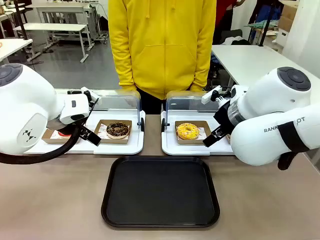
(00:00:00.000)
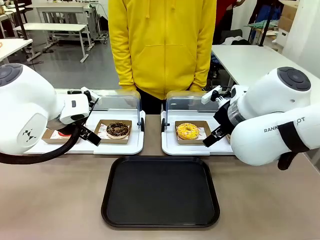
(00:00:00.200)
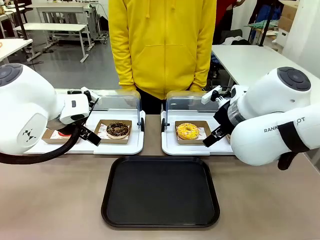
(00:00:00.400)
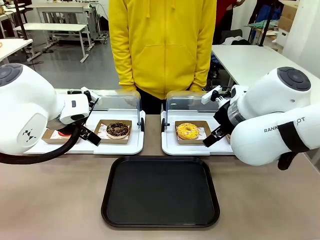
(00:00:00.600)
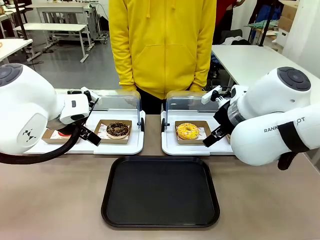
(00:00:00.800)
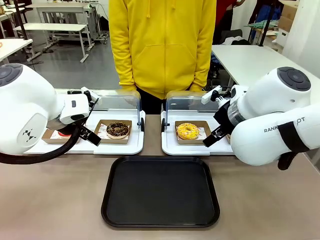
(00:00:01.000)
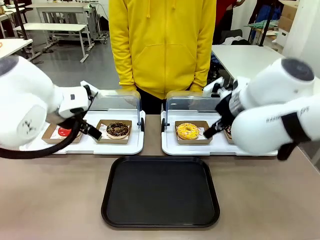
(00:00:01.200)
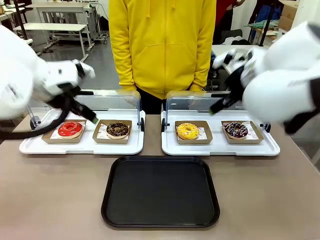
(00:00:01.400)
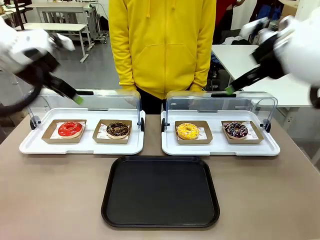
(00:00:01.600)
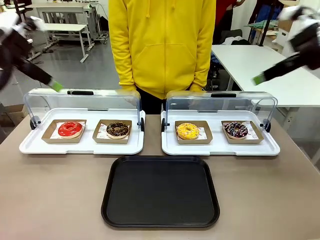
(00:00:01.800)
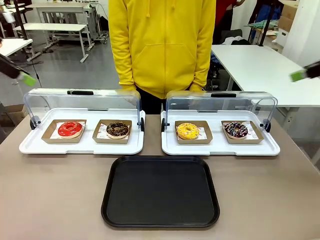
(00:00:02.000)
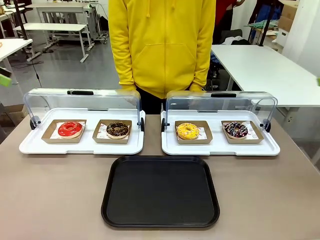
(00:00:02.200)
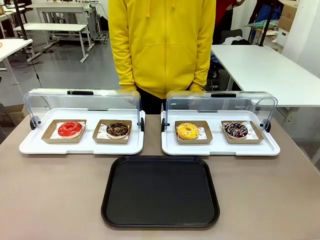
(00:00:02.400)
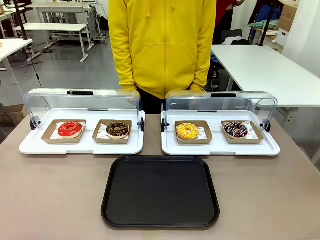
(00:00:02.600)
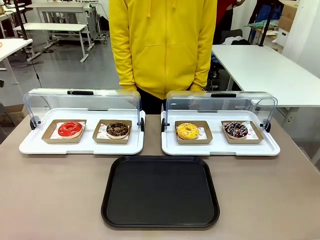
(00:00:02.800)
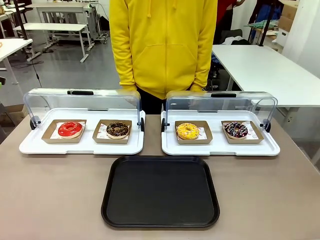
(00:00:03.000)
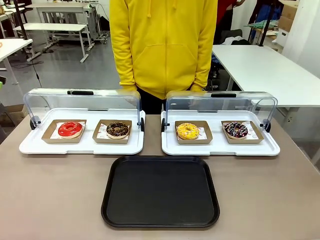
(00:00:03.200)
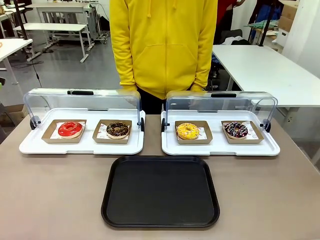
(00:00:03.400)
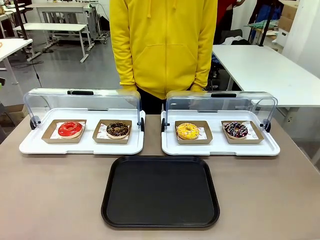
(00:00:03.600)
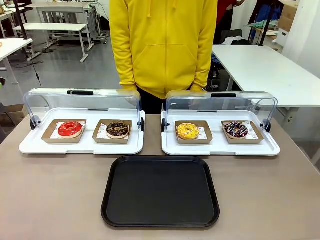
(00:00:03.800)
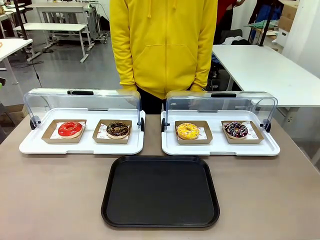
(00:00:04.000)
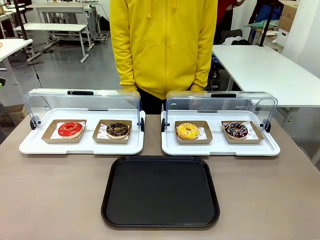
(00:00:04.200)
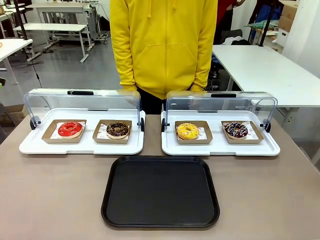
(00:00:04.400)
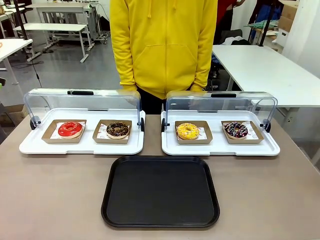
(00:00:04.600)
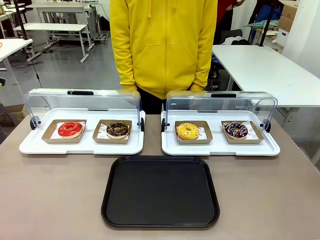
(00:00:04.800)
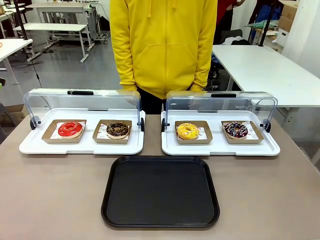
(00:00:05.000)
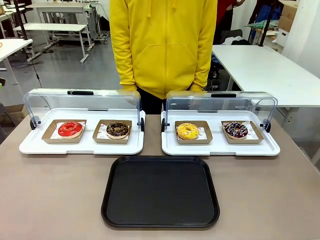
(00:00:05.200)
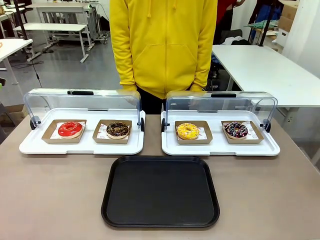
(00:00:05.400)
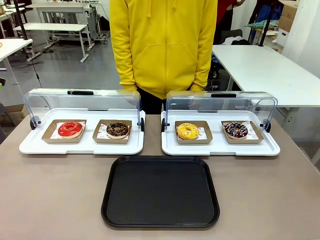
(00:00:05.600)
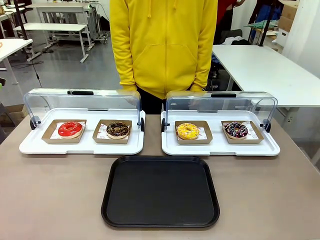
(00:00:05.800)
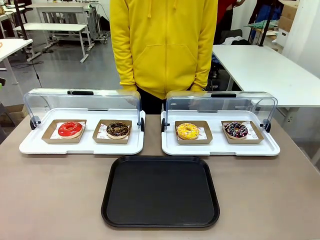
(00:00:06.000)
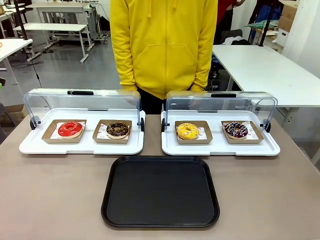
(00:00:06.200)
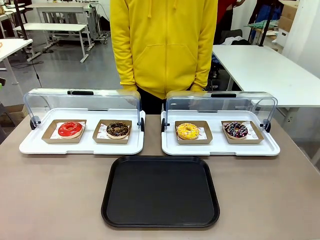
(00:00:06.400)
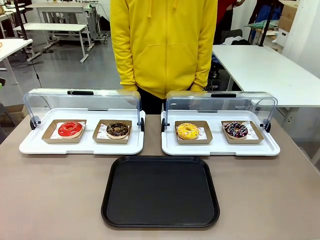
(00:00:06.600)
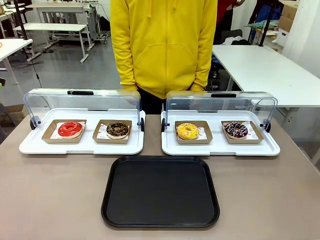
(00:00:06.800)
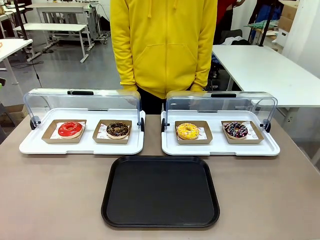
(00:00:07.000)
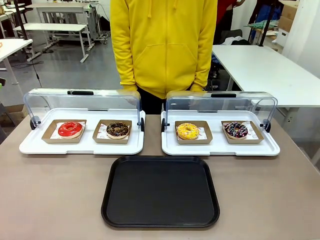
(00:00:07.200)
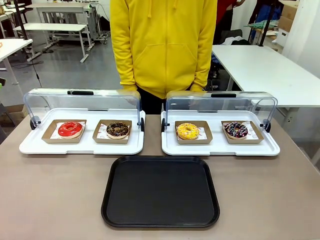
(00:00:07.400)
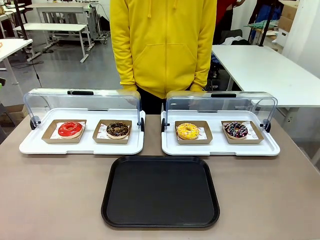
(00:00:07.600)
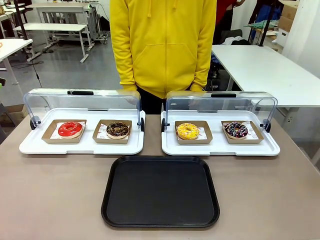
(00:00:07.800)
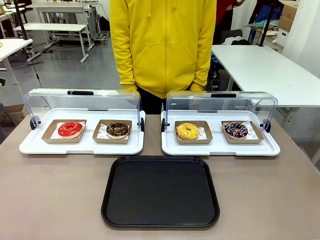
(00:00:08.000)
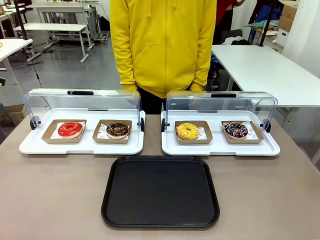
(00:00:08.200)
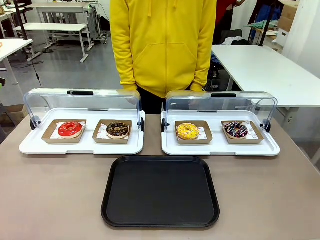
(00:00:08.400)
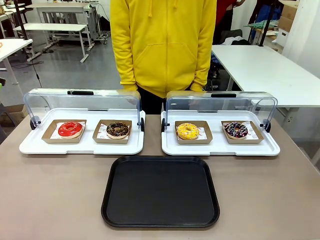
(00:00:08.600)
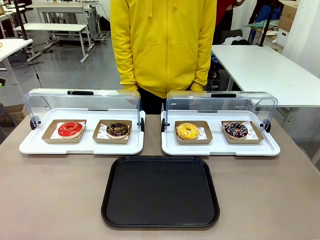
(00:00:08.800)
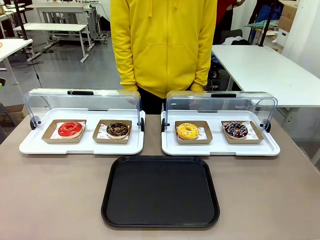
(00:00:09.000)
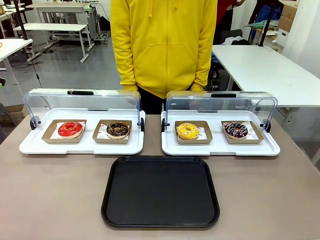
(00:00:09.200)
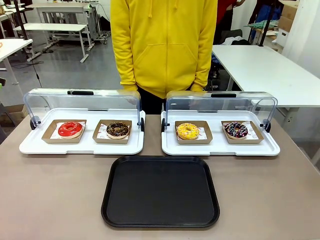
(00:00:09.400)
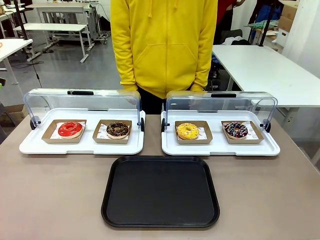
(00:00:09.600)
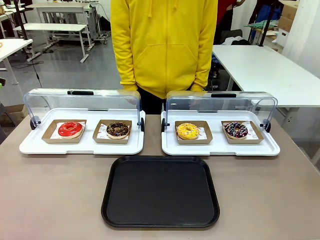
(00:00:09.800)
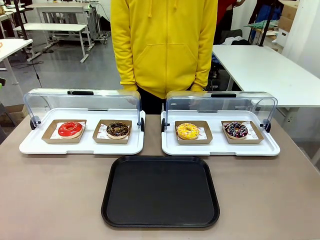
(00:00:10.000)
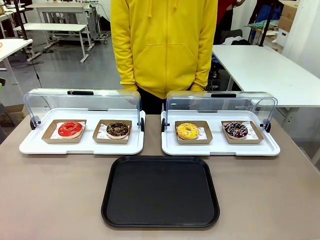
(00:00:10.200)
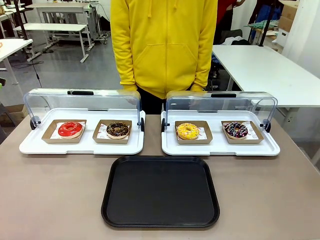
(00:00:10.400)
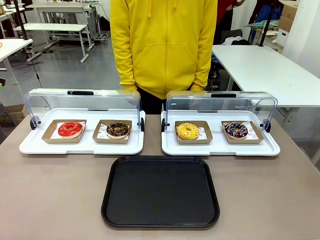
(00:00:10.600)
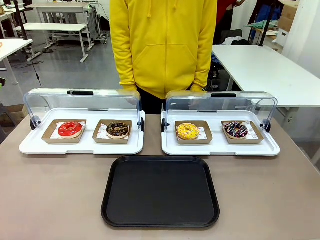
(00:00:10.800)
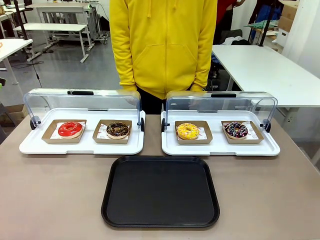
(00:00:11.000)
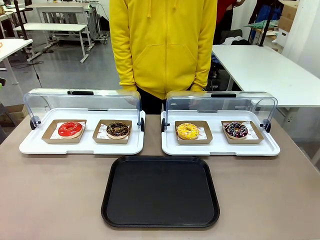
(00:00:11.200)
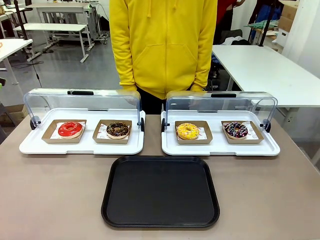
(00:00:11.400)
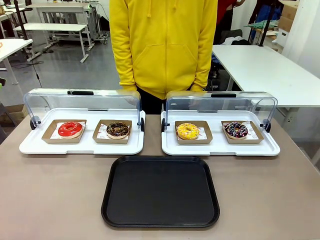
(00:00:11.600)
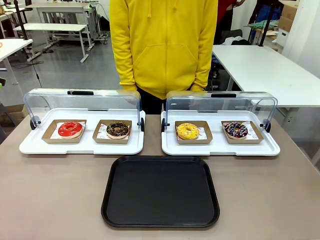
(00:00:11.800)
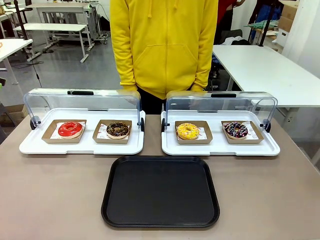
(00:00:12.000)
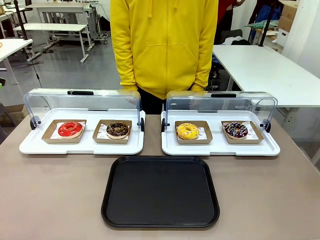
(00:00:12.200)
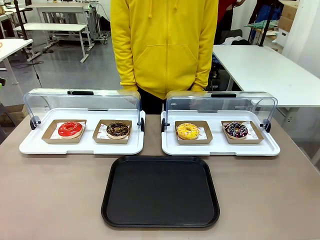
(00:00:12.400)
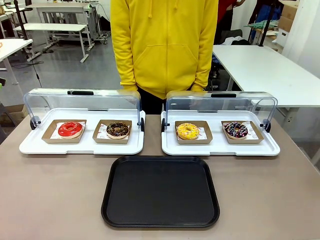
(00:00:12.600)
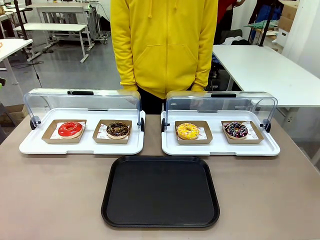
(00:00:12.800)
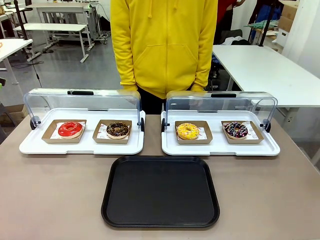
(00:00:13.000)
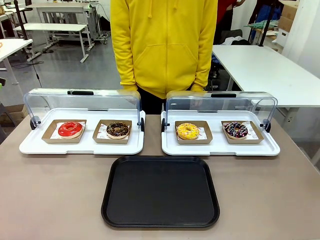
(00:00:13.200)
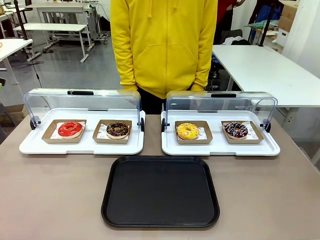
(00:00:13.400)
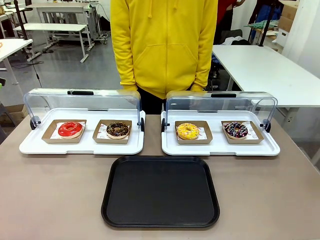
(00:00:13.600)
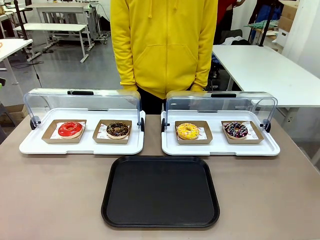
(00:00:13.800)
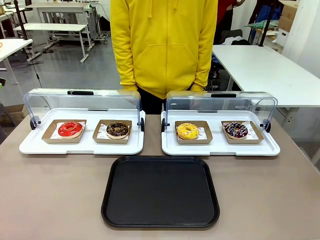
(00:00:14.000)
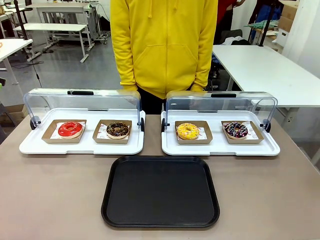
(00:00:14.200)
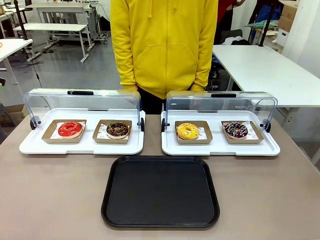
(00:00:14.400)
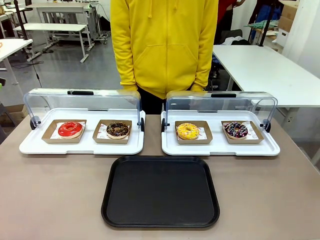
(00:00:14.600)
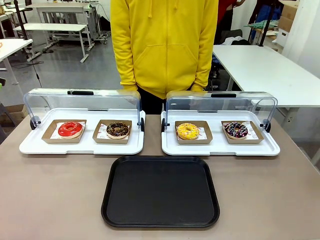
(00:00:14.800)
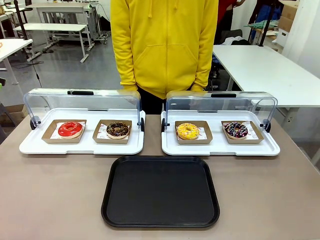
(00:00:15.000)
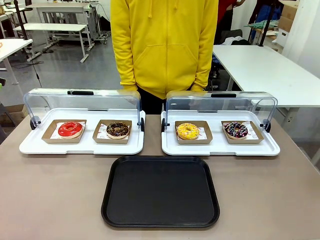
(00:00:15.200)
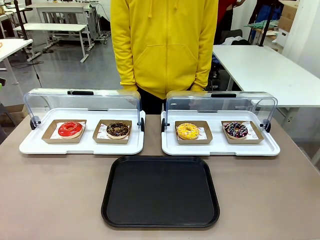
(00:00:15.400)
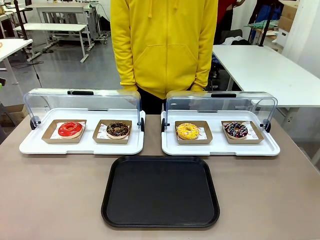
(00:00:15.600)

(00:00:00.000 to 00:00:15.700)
Task: Move the second donut from the left to the tray.
Robot: Pick up the Paper togo box containing the Donut indicated by the person and place it on the Handle tray.

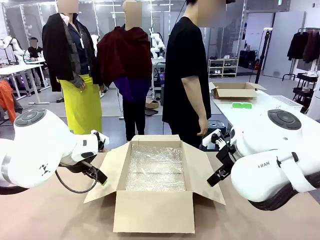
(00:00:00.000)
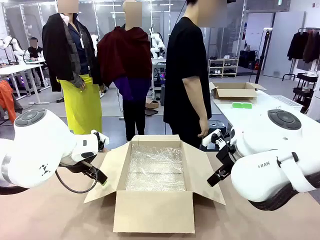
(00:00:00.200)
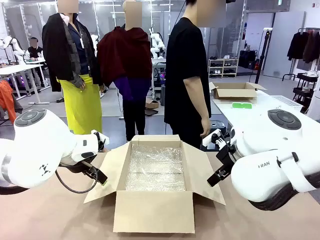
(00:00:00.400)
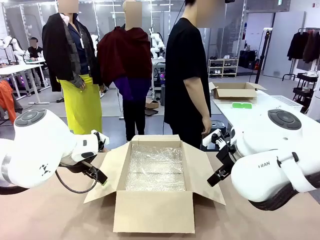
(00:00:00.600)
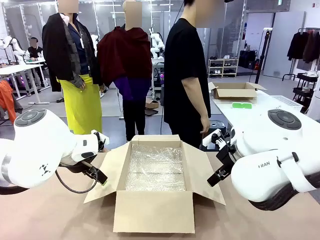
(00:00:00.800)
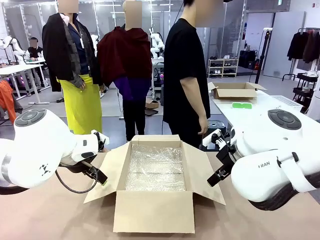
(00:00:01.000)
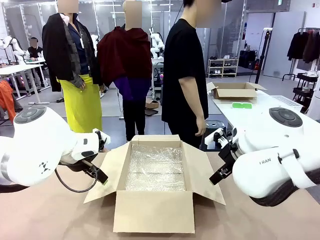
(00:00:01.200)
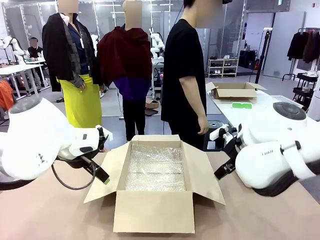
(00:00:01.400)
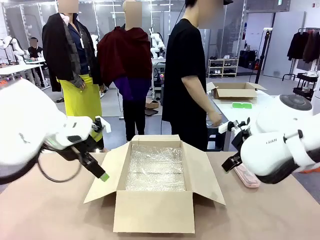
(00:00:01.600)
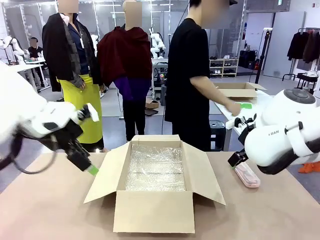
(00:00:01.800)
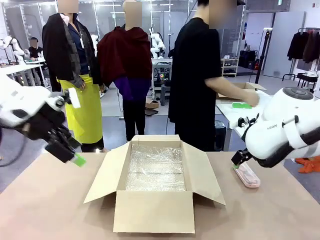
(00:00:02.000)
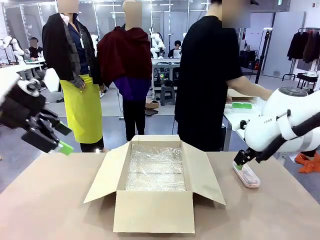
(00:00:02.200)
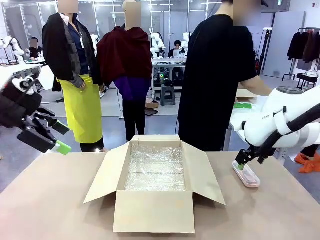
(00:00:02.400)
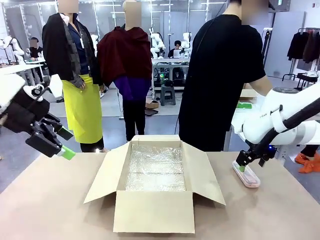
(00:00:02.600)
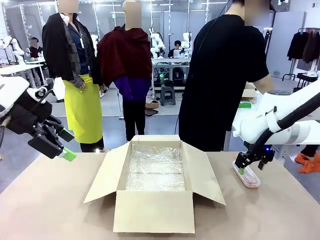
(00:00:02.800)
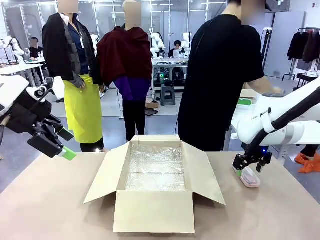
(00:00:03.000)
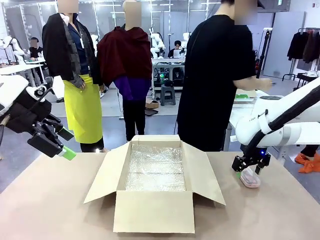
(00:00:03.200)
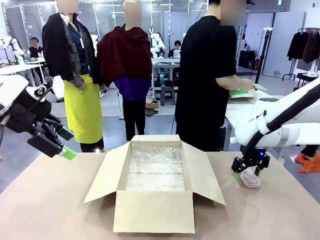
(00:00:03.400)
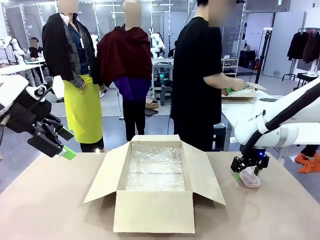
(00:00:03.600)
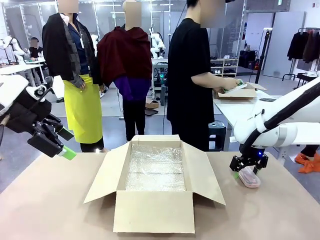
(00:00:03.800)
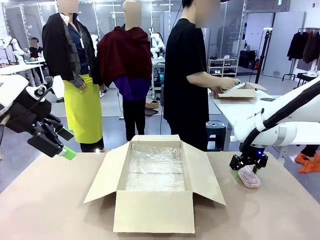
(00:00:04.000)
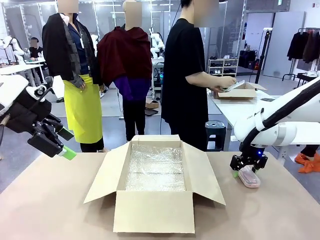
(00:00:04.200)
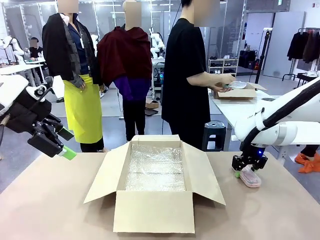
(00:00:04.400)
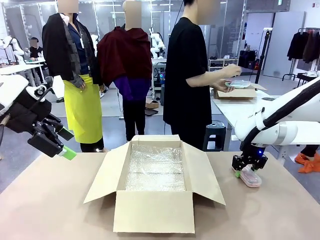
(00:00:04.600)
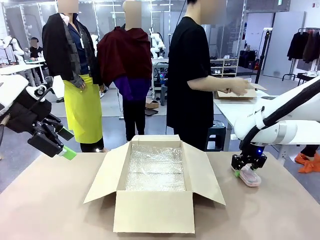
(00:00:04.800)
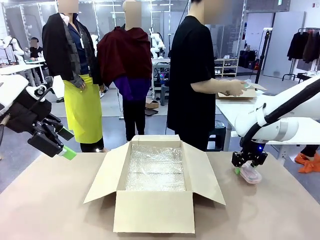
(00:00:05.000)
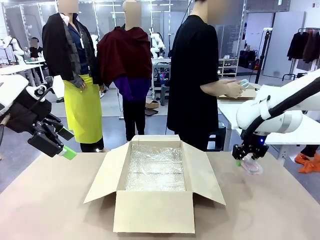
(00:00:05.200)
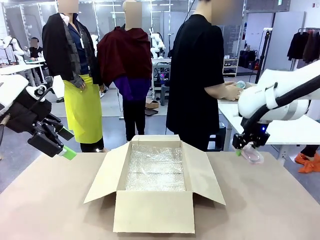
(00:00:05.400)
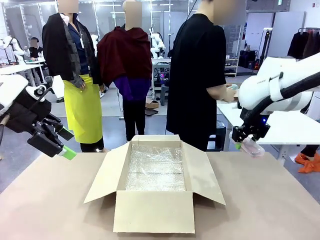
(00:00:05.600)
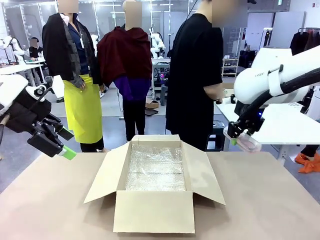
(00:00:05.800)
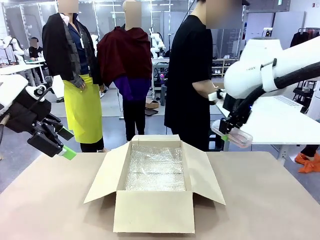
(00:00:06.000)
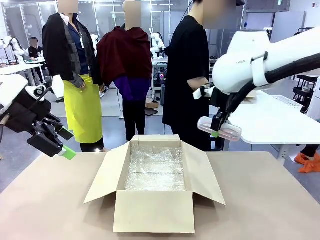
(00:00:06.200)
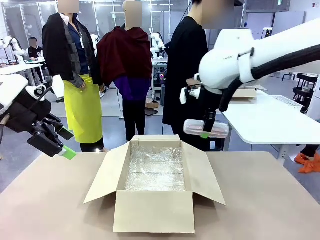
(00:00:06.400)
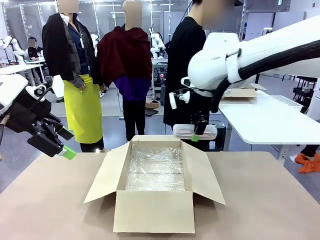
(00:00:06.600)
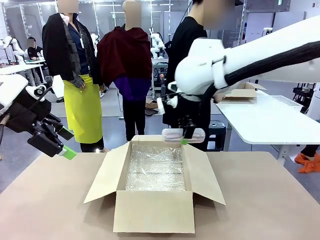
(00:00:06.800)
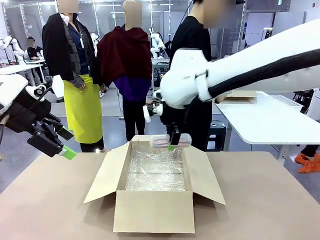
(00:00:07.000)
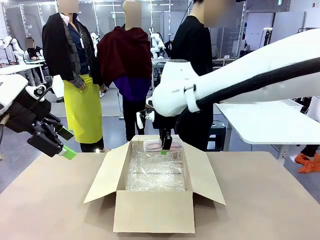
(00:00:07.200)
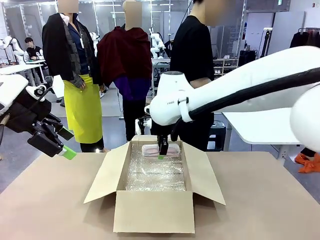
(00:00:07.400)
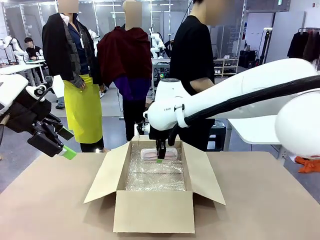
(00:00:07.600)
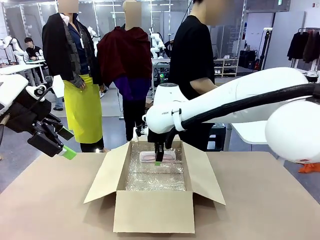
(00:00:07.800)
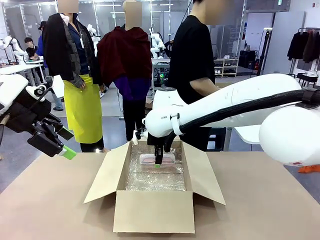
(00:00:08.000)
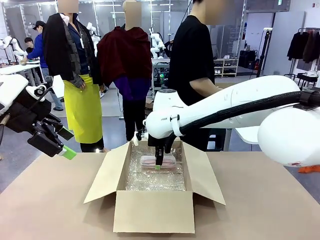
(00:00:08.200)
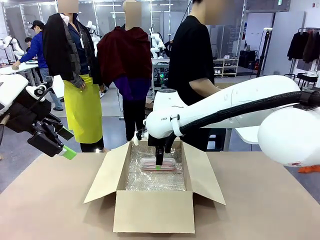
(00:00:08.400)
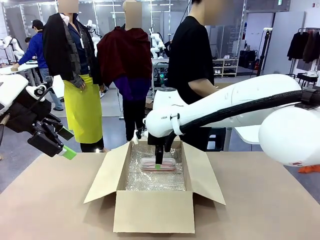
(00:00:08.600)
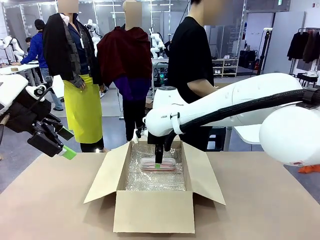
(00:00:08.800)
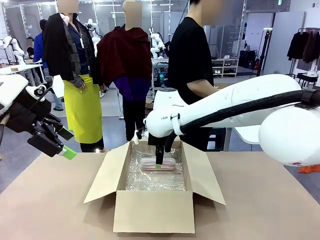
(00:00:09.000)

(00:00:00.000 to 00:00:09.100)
Task: Pack the glasses set securely to prepare it for shipping.
Robot: Place the Glasses case inside the Package Box.
Person: Place the Glasses inside the Glasses case.
